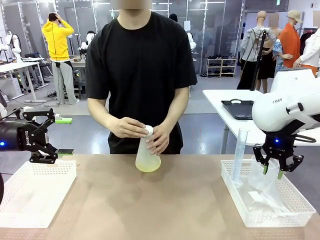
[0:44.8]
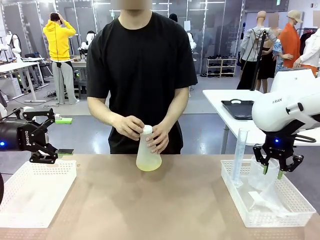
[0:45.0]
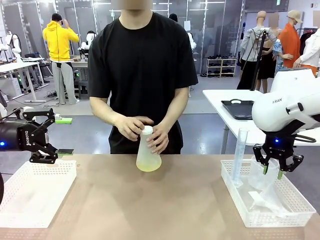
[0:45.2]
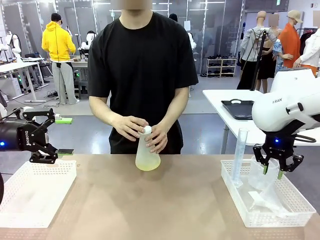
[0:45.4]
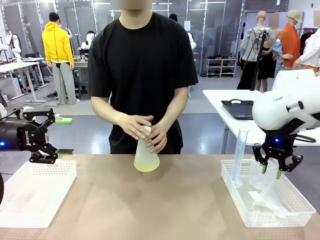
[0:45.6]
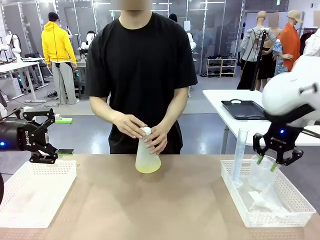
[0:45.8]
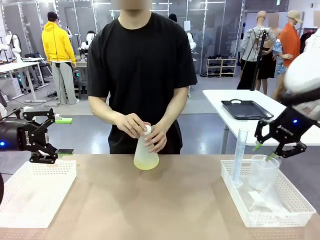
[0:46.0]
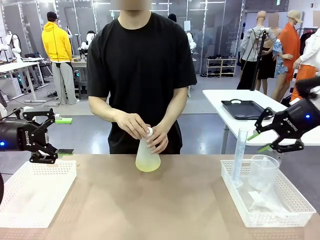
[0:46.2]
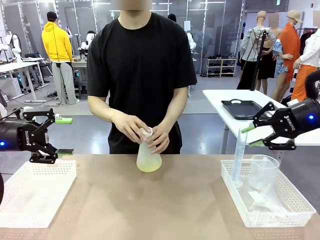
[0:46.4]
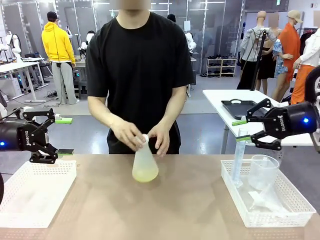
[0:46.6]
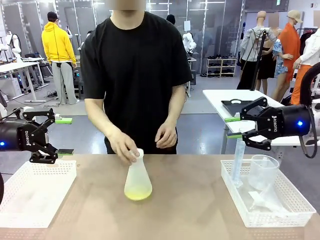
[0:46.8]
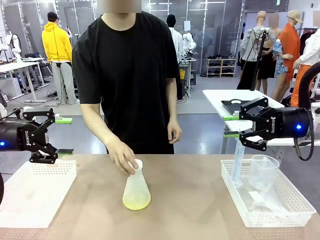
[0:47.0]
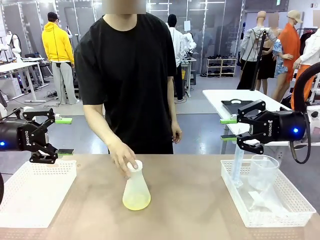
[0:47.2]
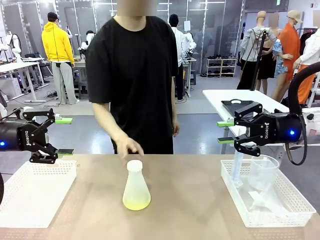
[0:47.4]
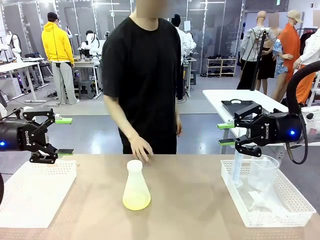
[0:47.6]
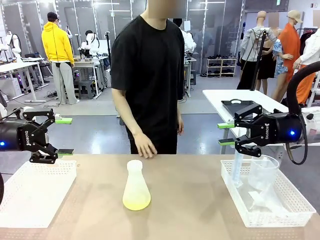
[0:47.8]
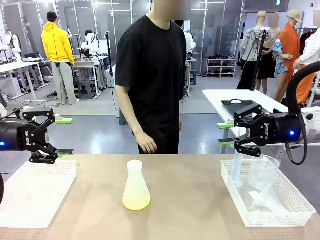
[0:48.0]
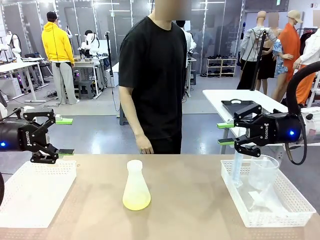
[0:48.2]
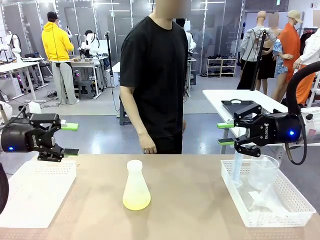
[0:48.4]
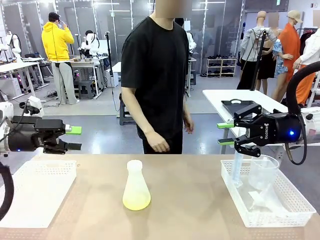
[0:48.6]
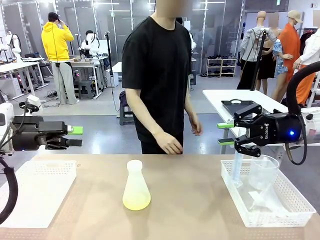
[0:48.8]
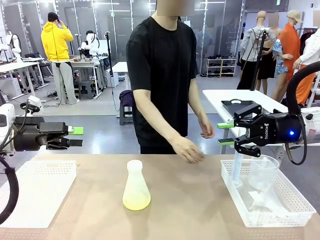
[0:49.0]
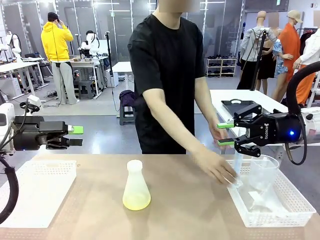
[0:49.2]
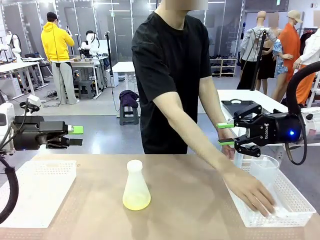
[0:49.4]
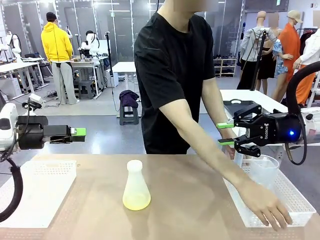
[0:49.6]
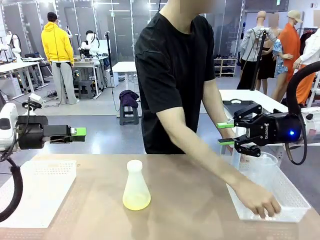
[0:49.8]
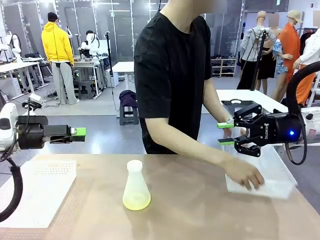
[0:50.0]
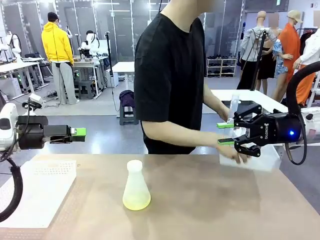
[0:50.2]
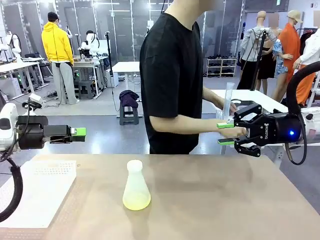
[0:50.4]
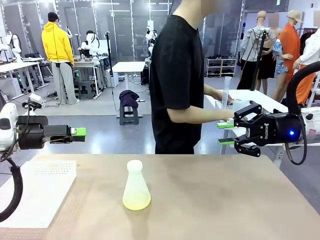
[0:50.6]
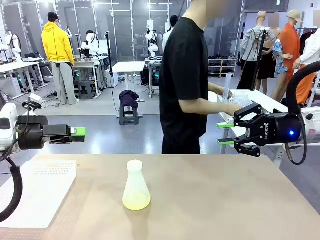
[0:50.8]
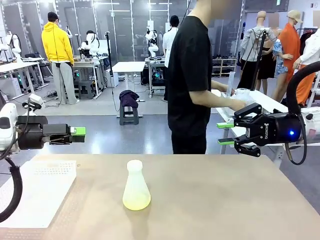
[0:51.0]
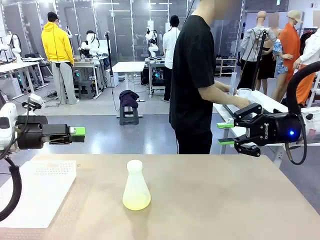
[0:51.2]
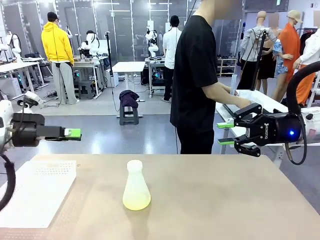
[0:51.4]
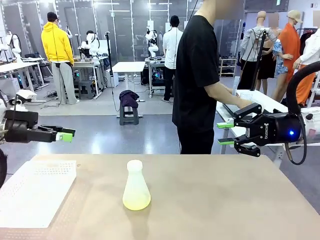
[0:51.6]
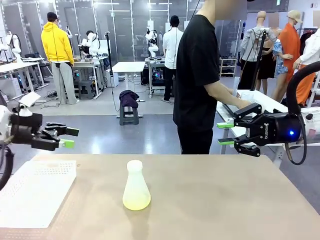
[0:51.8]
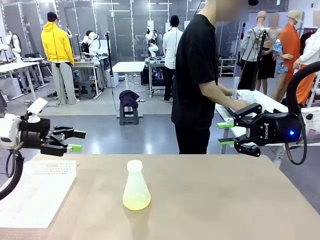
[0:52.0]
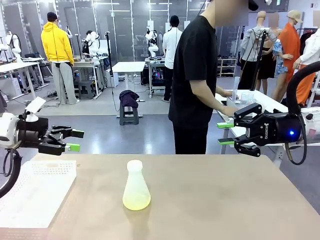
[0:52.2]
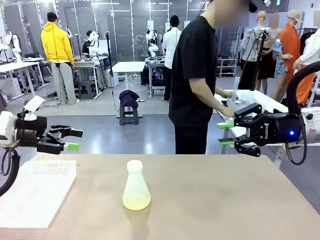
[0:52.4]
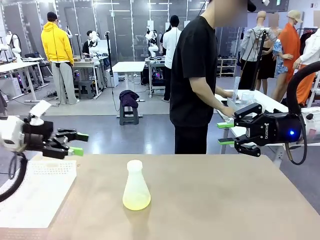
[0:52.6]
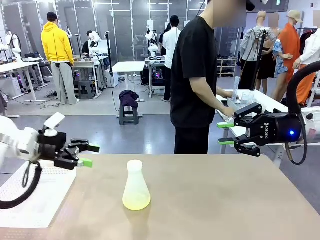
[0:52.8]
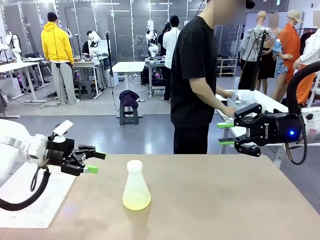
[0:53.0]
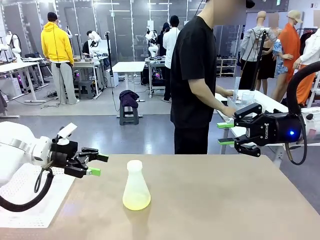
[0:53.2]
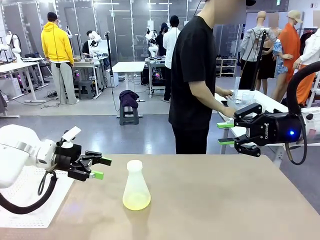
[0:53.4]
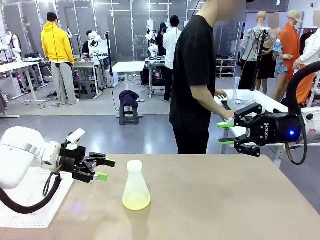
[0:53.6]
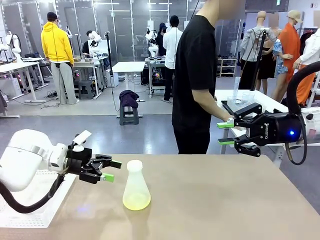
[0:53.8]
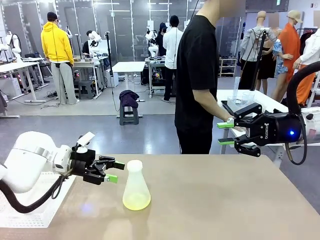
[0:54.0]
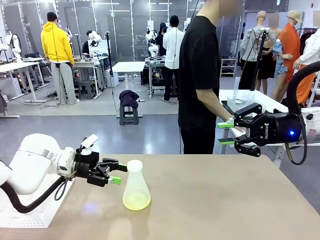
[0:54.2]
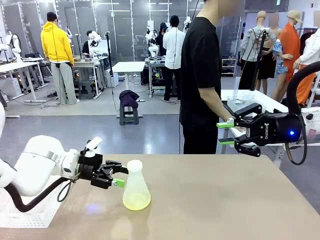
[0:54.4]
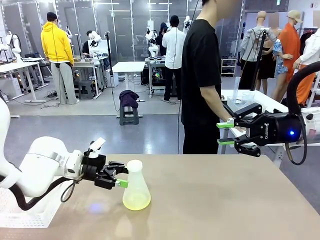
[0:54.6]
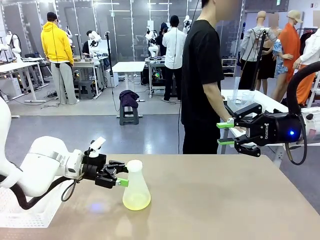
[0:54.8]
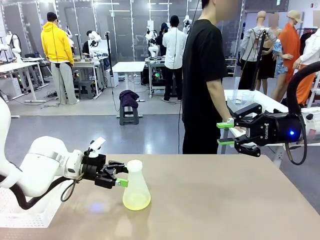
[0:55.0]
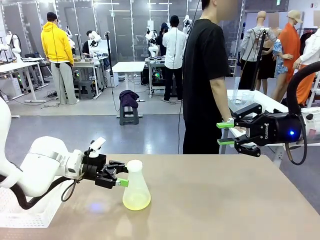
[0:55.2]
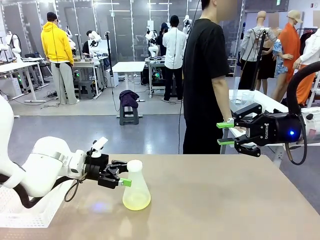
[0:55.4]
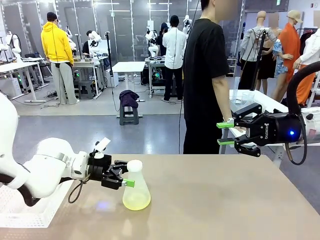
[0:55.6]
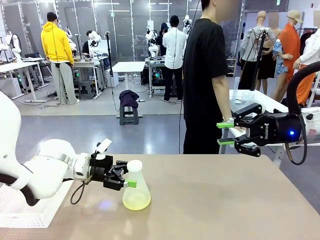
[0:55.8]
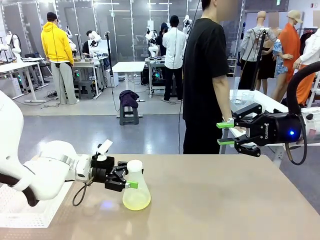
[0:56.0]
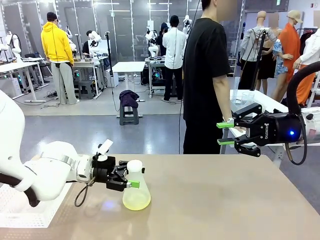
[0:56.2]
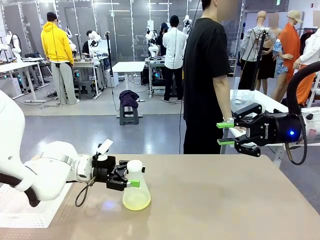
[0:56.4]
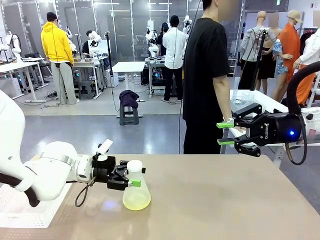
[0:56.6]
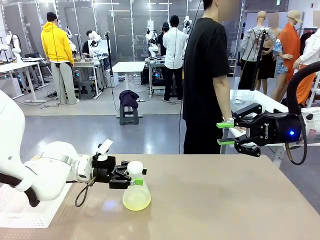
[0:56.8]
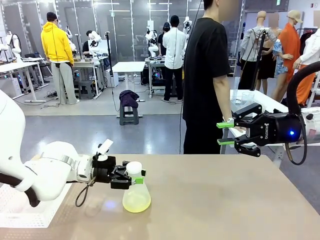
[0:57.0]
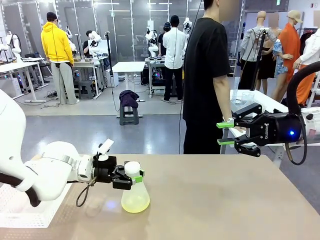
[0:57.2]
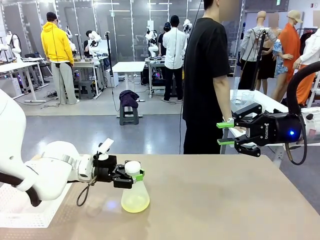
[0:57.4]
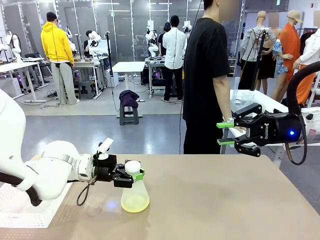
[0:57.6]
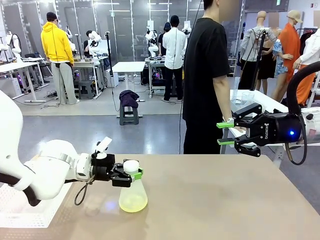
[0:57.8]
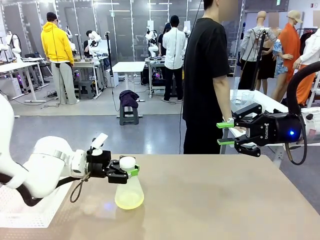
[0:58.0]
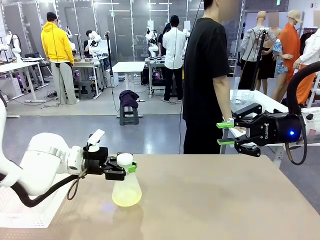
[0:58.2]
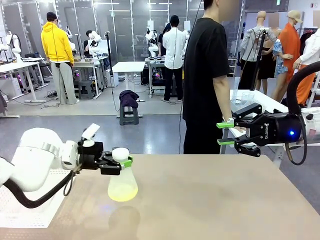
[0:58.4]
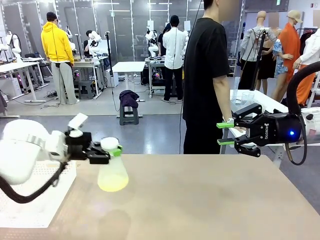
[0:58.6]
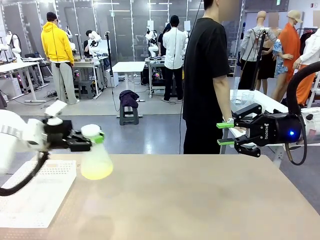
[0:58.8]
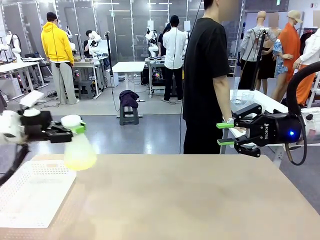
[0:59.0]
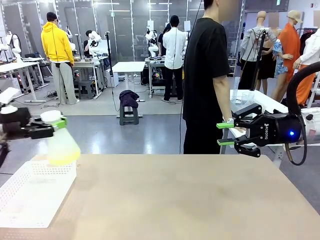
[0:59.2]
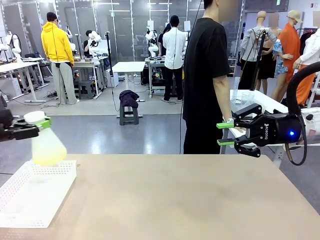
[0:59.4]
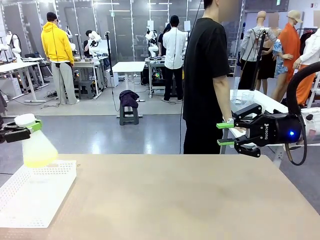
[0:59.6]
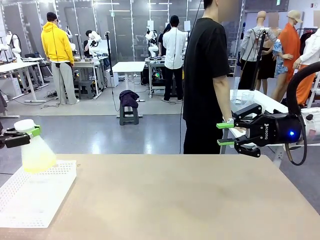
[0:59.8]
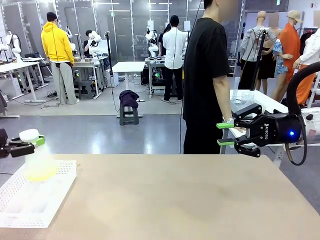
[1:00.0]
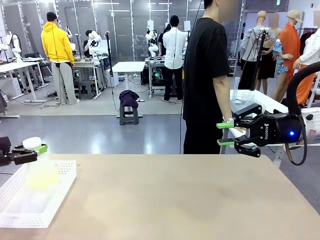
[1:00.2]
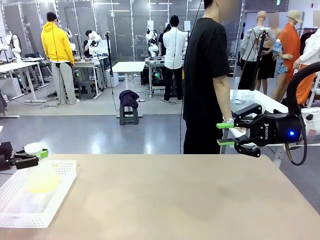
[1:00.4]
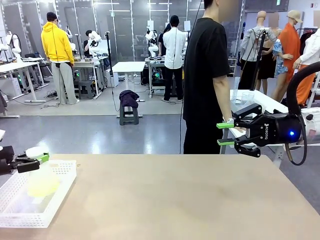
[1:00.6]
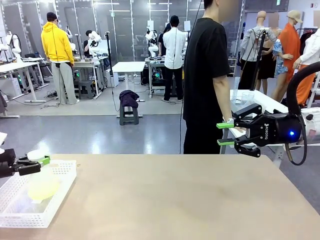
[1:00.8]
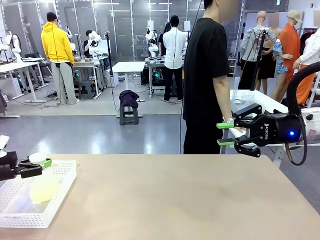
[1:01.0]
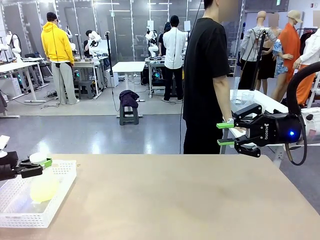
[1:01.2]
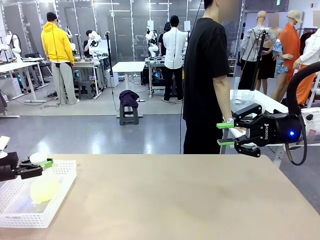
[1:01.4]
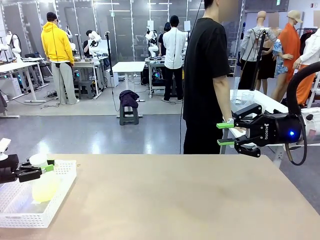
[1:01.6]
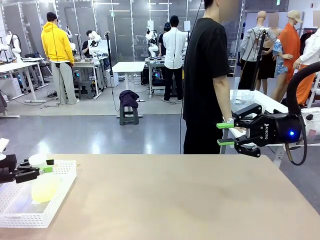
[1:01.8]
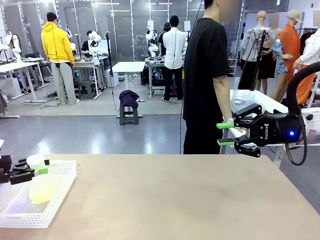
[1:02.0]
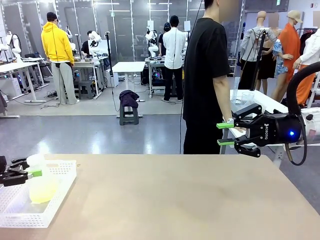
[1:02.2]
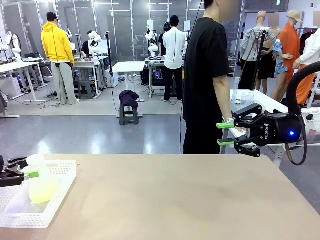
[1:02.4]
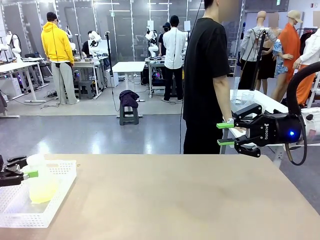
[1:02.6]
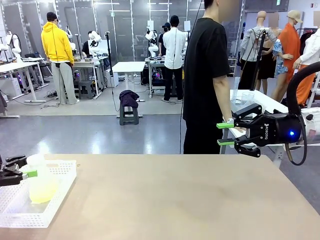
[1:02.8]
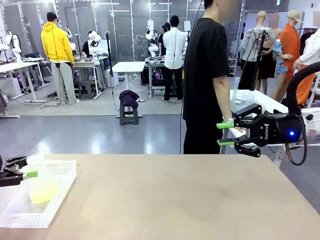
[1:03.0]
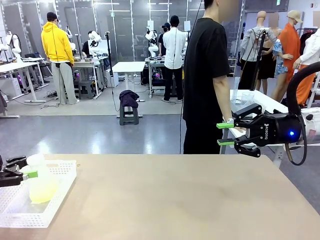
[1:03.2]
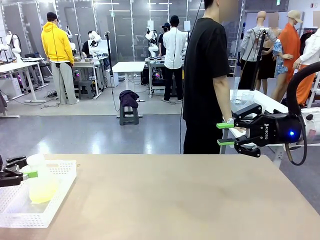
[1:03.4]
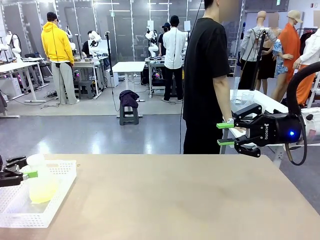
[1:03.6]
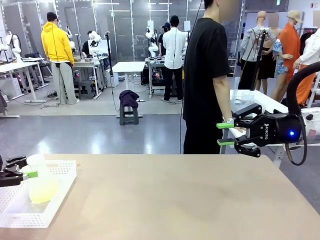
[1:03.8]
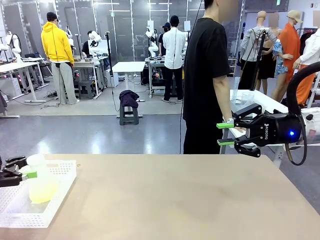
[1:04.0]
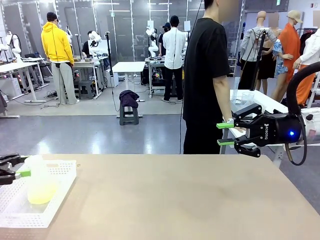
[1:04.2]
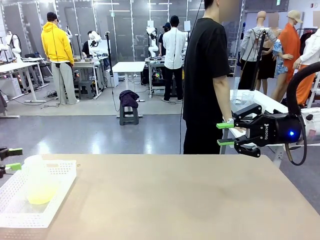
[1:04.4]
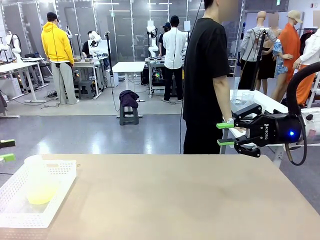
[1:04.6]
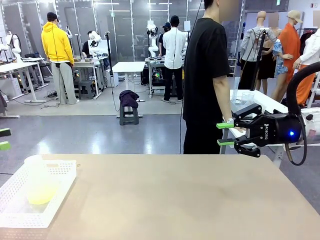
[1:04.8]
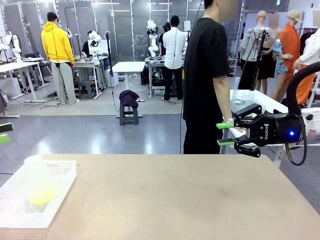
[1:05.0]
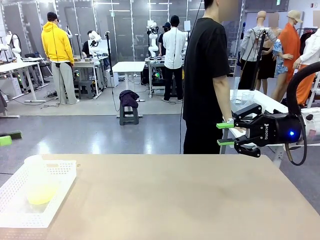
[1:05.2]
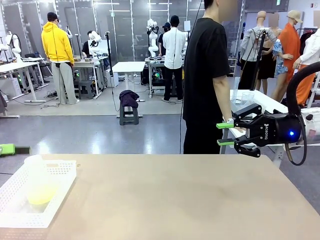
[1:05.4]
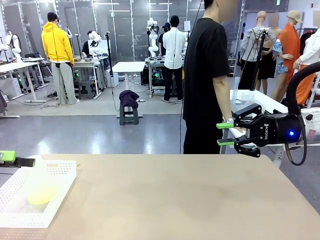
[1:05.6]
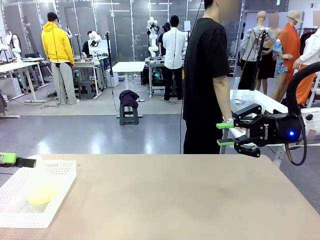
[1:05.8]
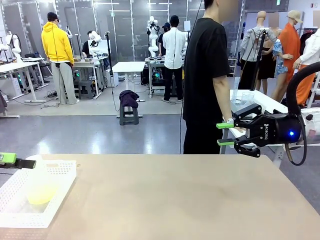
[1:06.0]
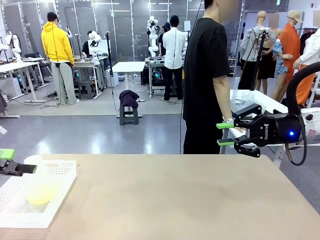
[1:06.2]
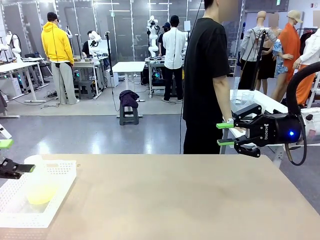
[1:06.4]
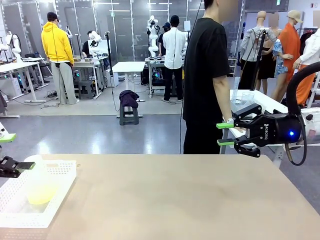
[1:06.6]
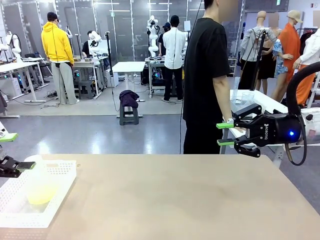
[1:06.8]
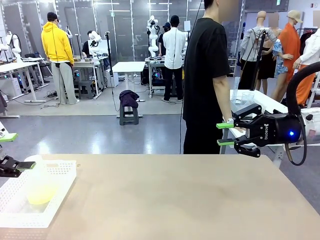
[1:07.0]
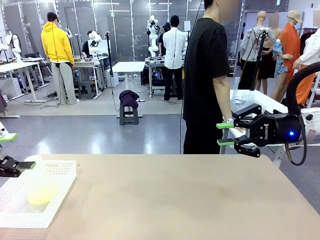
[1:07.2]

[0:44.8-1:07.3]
Task: Prepare the solutions needed for the experiment.
Robot: When the human places the Big flask in the center of the table, pick up the Big flask and place it in the left Organizing basket.
Person: Pick up the organizing basket on the left side of the robot table and place it on the left side of the human table.
